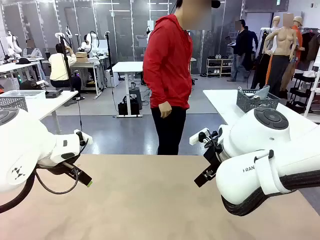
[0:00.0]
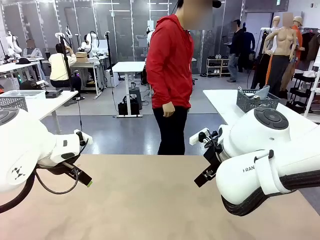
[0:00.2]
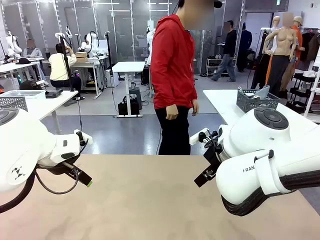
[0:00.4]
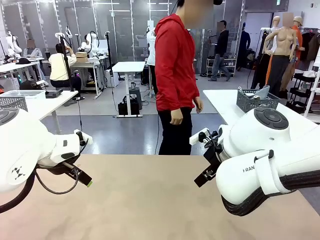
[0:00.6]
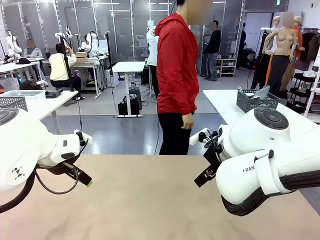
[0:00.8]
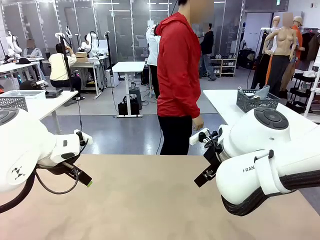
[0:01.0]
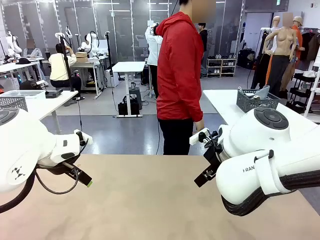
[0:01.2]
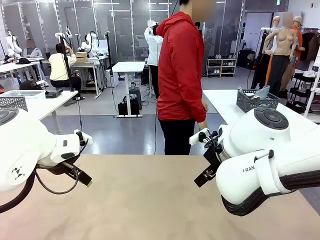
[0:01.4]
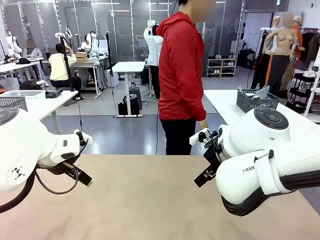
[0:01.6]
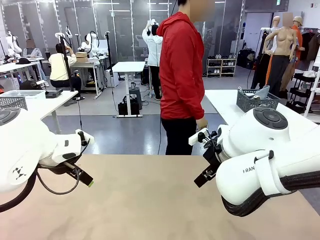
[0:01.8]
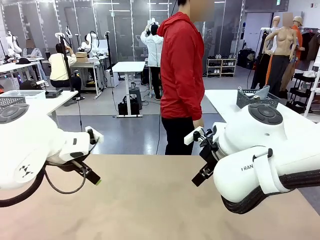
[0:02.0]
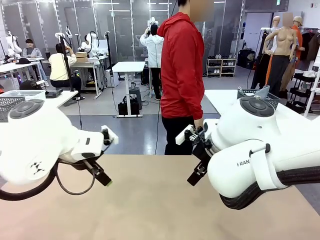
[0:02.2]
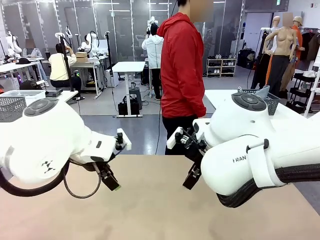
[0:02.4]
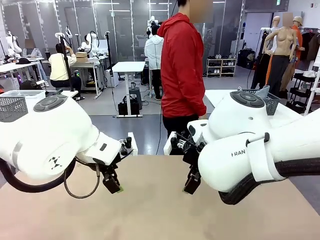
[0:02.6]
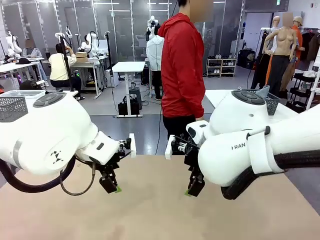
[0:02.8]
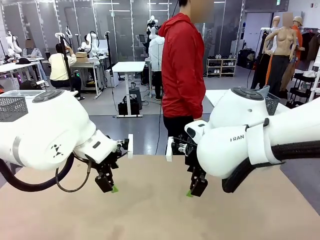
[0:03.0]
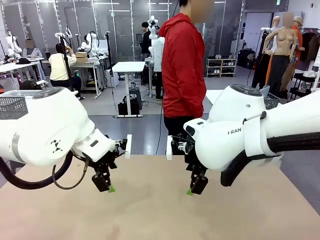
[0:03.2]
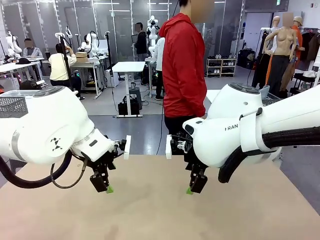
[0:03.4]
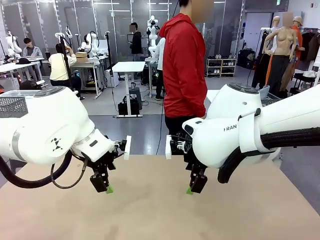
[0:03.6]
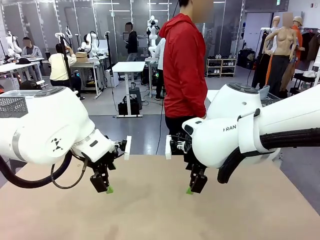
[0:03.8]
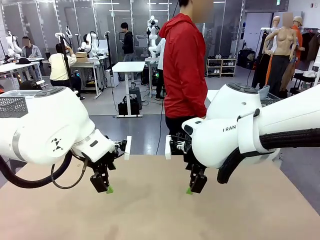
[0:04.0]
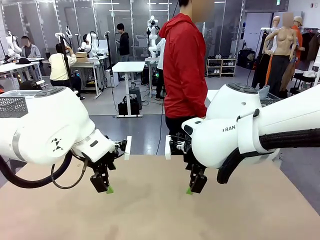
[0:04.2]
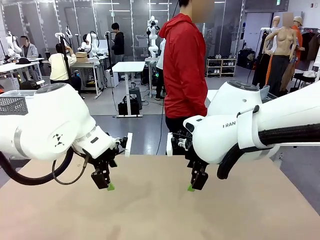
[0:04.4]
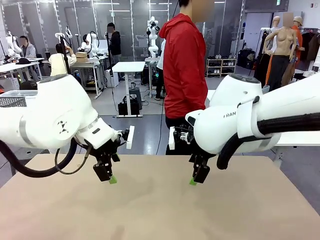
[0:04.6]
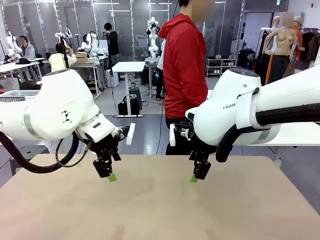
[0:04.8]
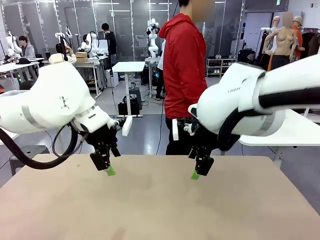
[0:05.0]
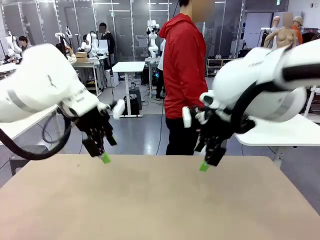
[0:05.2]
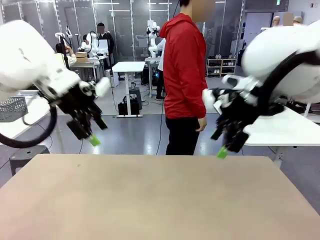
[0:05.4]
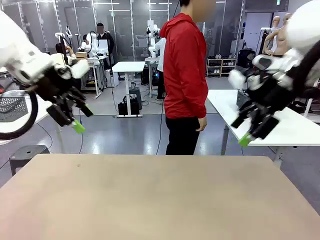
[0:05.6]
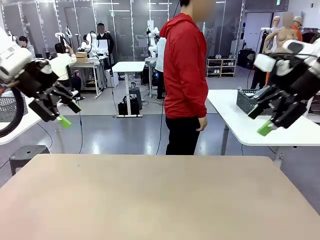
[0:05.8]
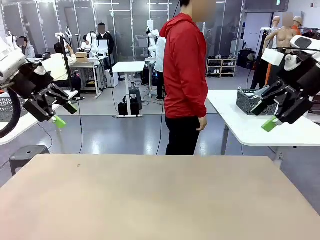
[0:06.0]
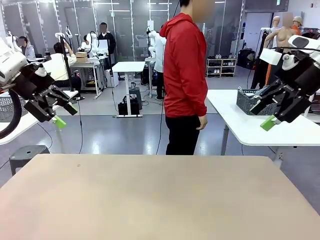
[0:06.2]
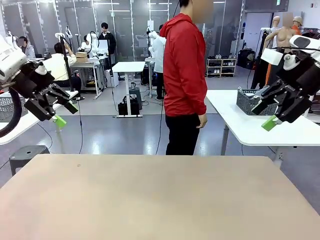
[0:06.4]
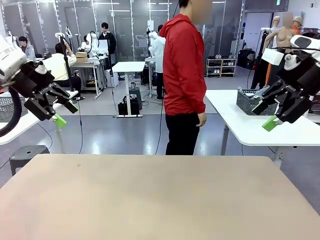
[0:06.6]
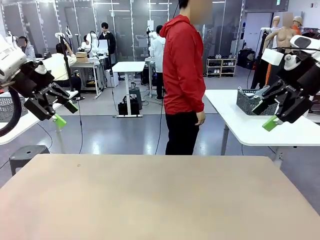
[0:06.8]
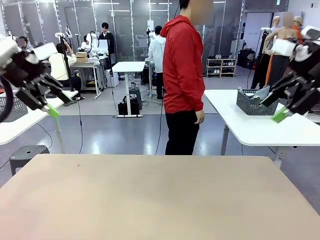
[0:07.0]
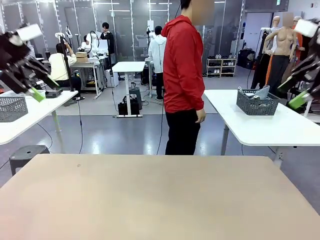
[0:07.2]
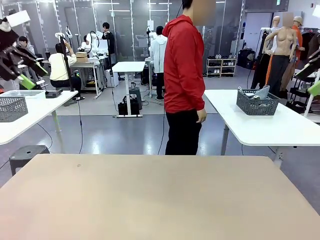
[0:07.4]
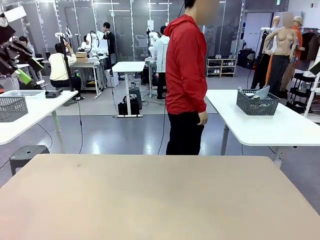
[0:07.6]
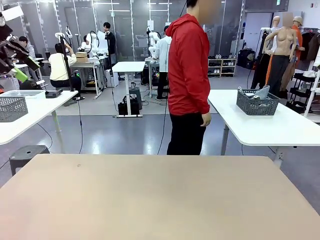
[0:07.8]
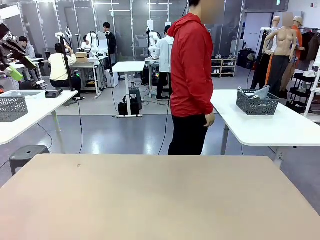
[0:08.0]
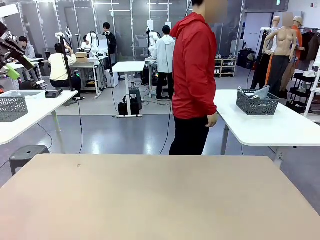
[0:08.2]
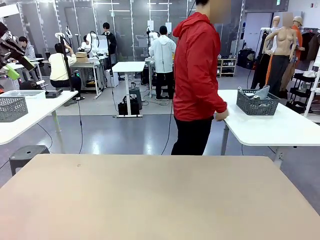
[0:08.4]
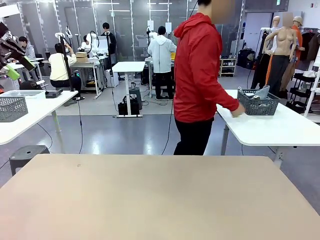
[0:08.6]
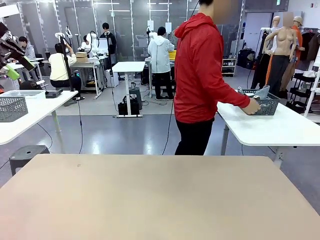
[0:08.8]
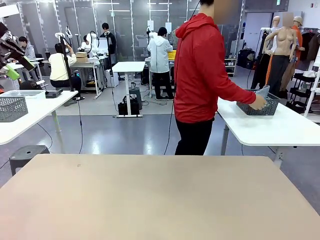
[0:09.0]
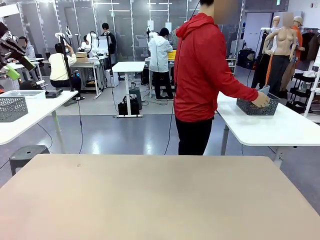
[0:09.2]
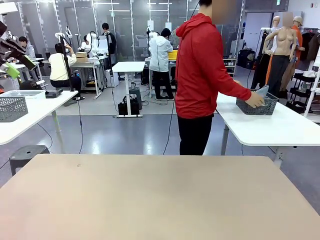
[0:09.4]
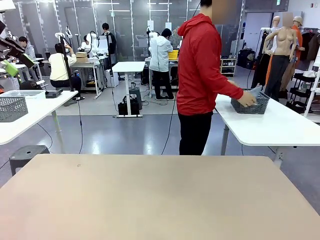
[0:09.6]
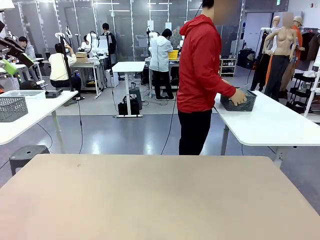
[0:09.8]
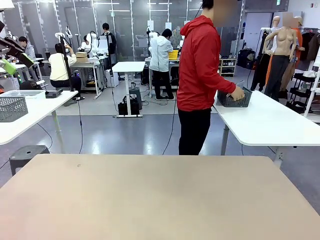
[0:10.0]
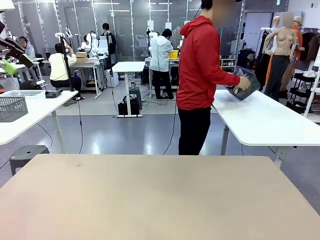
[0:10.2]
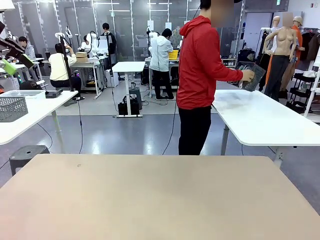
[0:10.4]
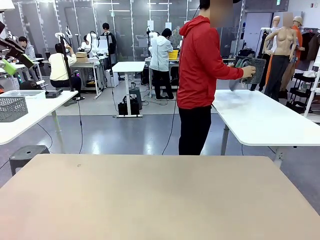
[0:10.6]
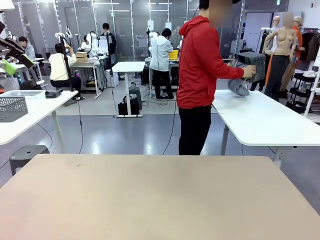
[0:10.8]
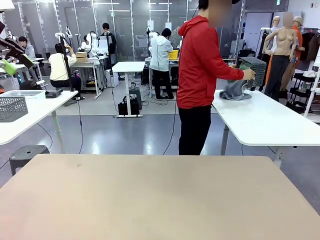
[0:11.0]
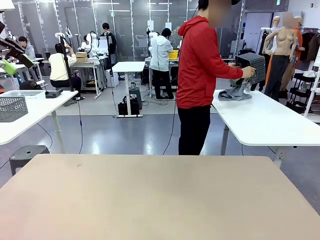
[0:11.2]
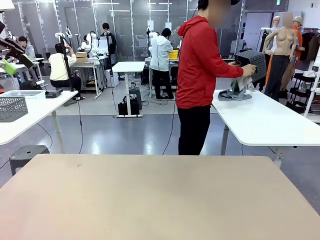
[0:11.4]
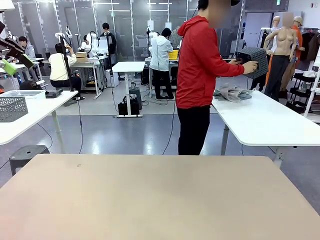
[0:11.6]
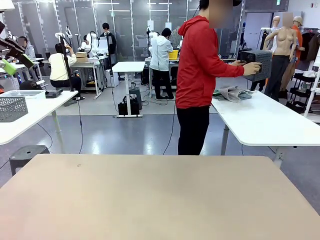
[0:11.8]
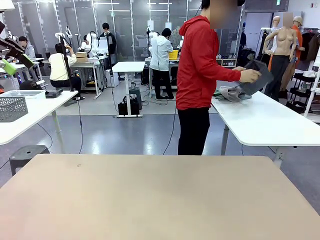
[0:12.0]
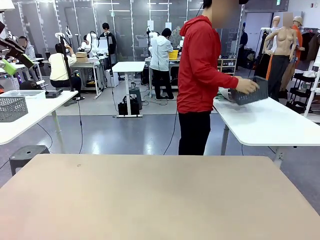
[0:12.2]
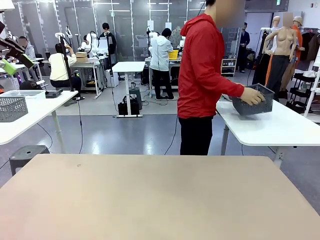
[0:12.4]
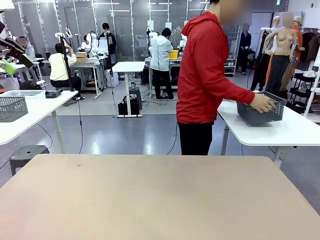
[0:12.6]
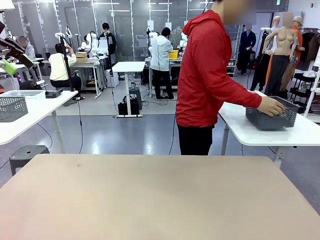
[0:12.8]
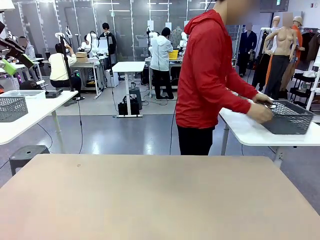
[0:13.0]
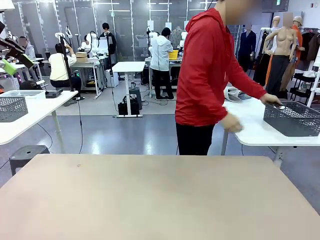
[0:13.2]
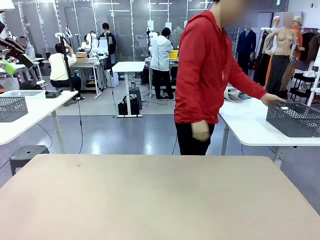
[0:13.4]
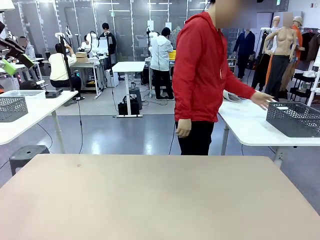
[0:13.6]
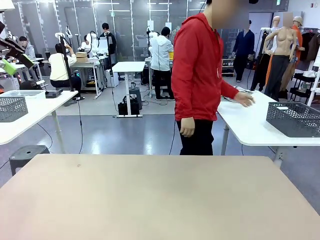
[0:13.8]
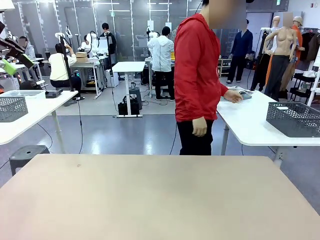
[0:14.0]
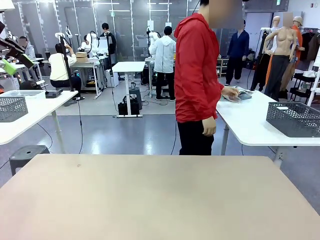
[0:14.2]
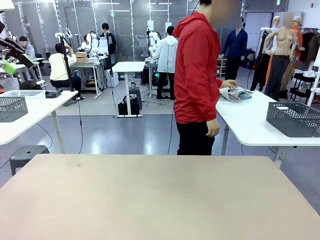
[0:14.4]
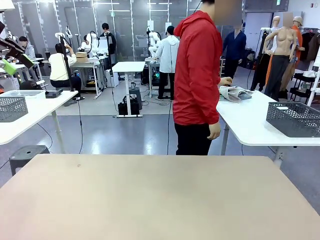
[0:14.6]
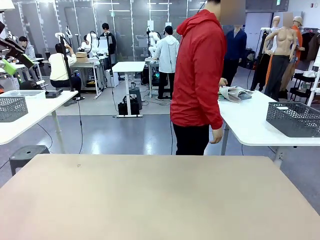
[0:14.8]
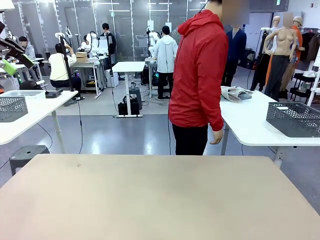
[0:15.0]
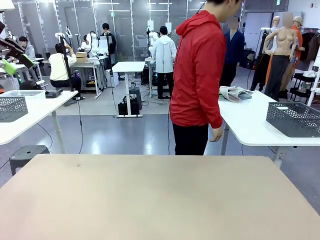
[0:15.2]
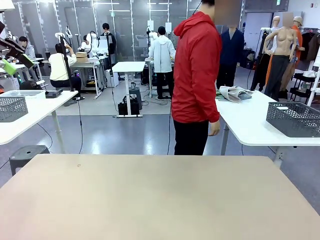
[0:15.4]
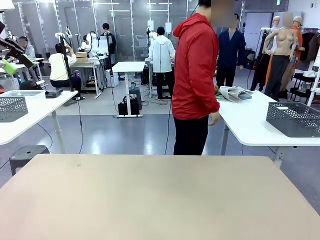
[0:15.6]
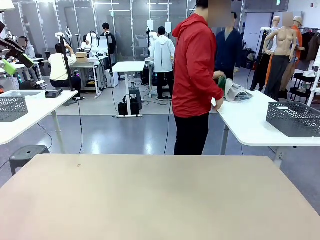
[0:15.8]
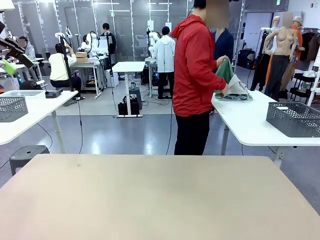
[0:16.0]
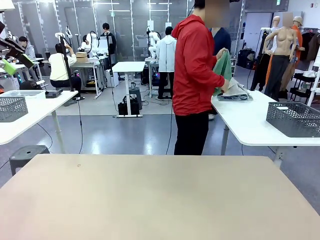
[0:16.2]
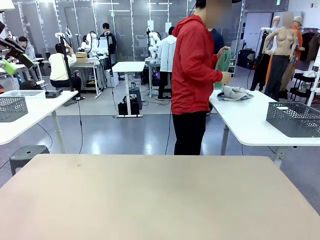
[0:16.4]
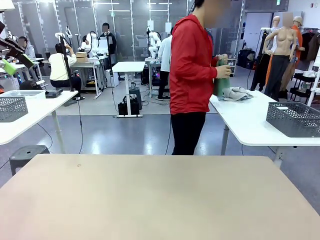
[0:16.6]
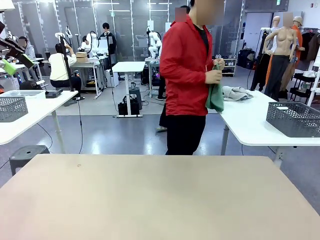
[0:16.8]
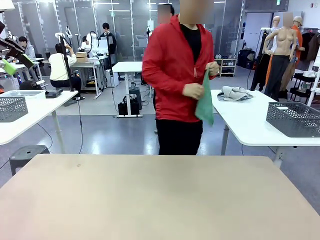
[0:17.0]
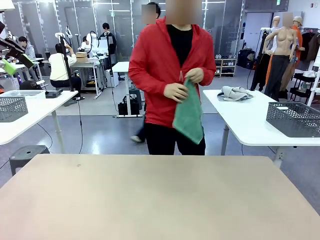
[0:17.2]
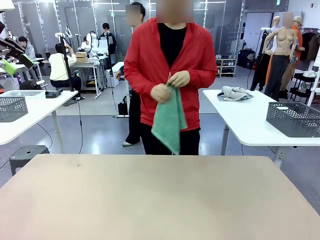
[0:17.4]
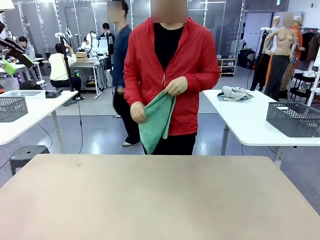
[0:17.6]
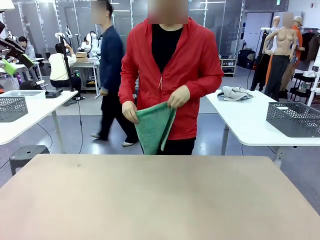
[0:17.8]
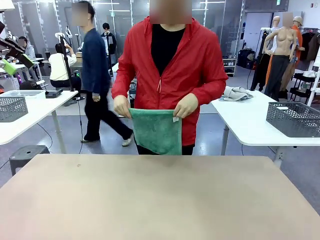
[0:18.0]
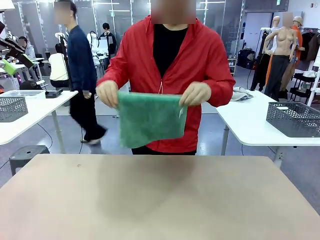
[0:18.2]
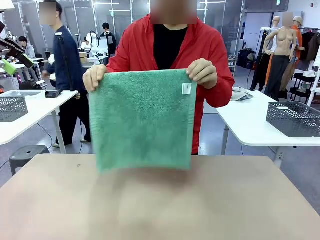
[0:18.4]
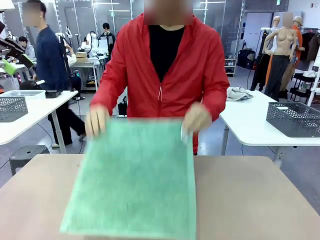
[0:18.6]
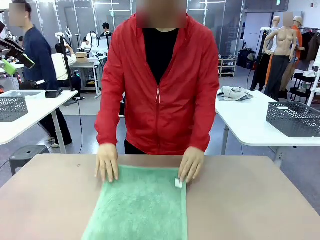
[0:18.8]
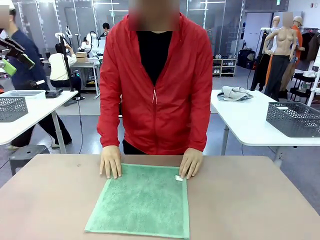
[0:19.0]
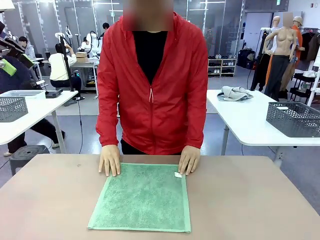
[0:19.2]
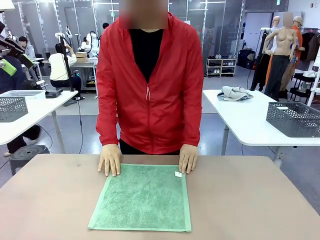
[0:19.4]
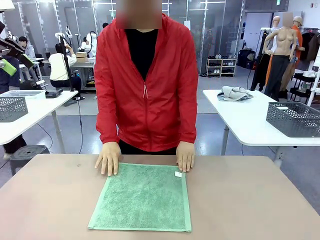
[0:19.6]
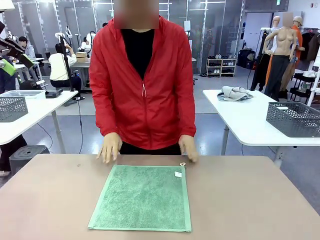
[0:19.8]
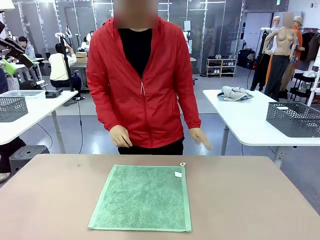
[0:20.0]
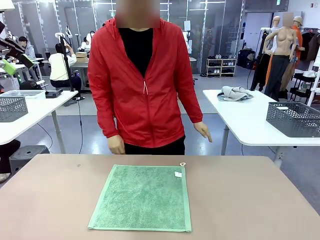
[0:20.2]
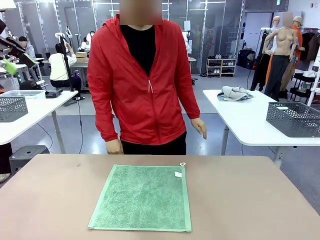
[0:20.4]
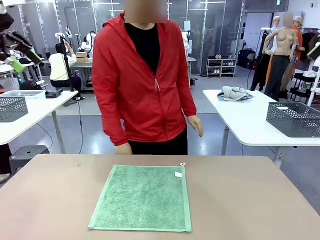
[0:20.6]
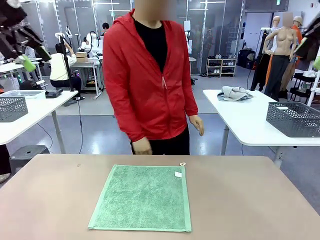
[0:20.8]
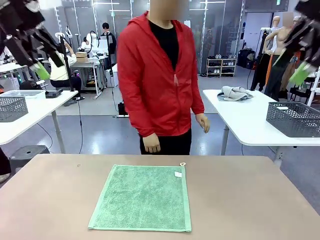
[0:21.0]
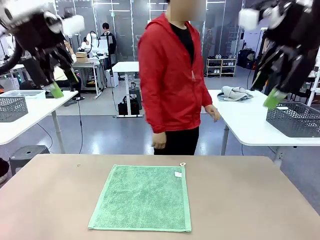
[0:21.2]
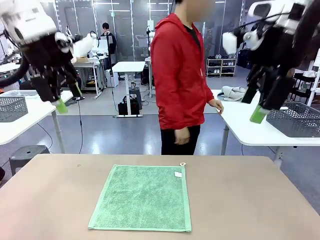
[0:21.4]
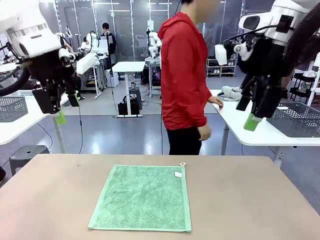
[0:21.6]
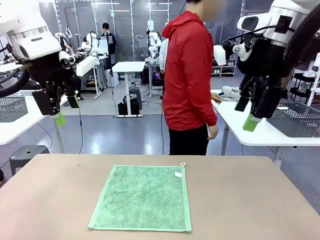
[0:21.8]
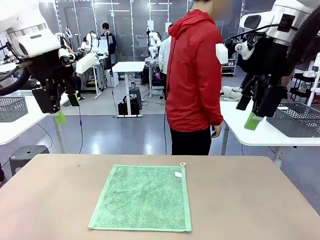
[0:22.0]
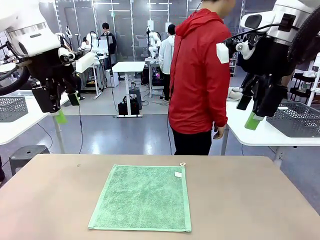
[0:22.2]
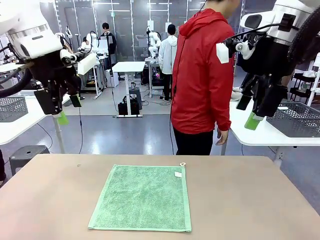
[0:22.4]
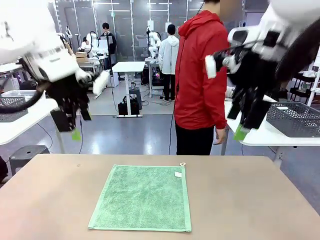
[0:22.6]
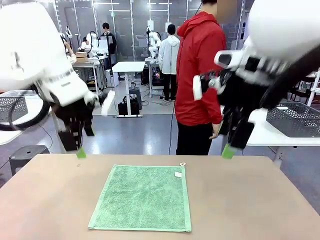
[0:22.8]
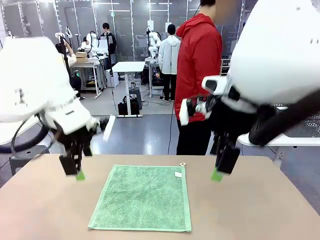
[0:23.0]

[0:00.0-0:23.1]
Task: Fold the towels and place them in the basket.
Robot: When a person lays out a Towel with hook on the table, fold it in half twice.
Person: Pick up the basket, pour the towels onto the left side of the human table, and place the basket on the right side. Pick up one towel and spread it out at the center of the robot table.
